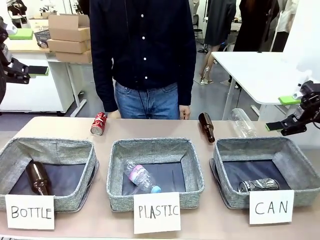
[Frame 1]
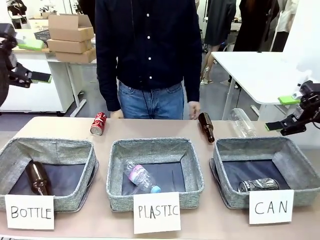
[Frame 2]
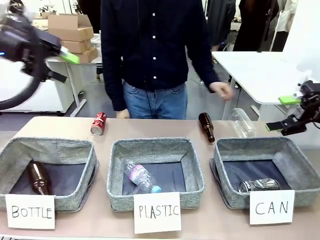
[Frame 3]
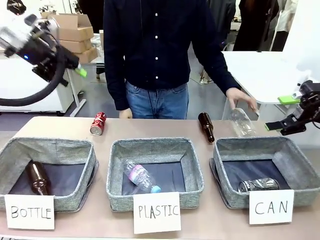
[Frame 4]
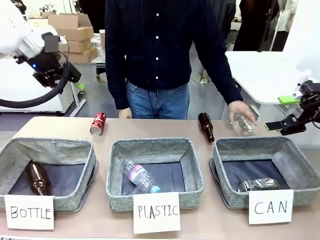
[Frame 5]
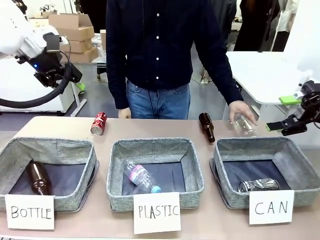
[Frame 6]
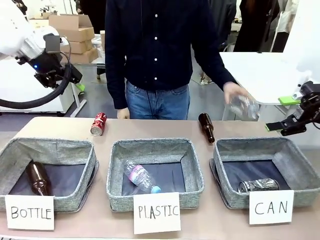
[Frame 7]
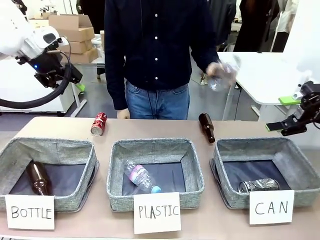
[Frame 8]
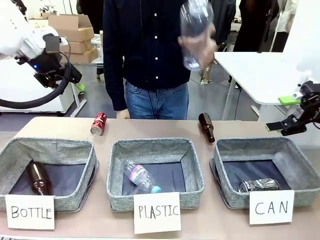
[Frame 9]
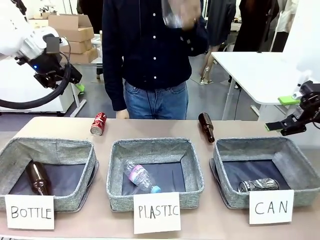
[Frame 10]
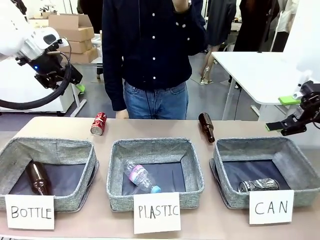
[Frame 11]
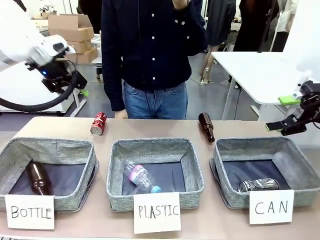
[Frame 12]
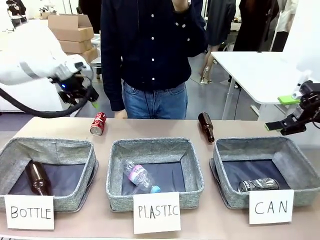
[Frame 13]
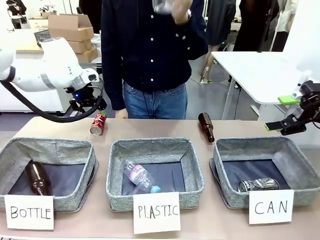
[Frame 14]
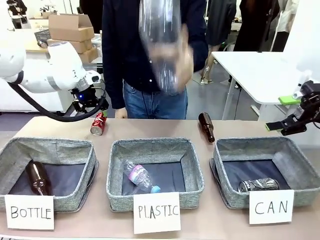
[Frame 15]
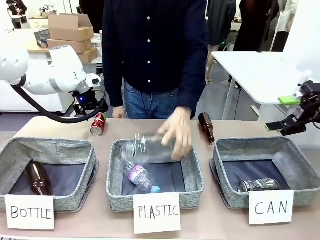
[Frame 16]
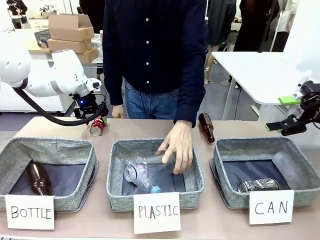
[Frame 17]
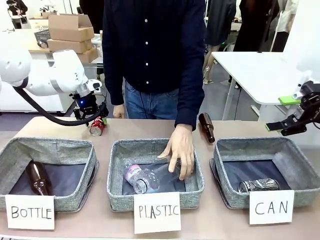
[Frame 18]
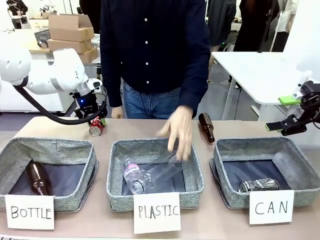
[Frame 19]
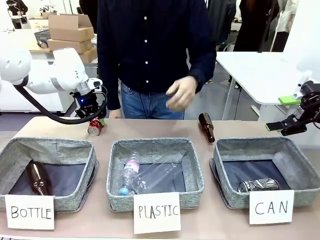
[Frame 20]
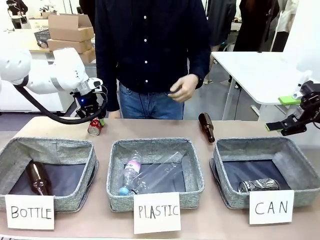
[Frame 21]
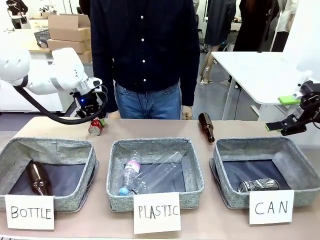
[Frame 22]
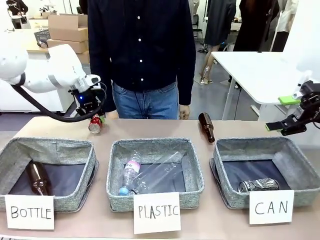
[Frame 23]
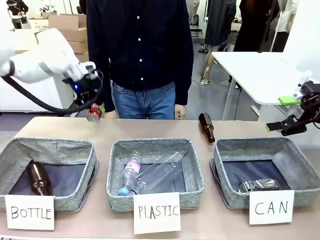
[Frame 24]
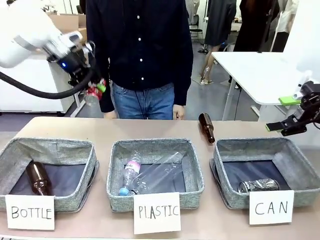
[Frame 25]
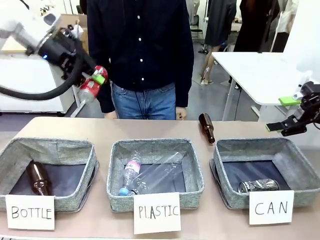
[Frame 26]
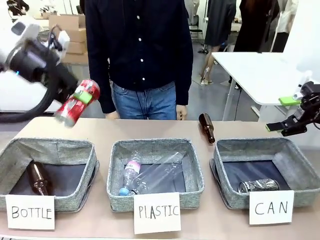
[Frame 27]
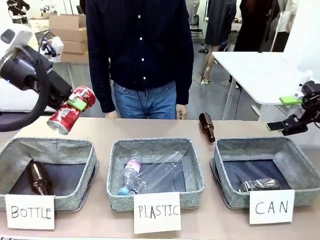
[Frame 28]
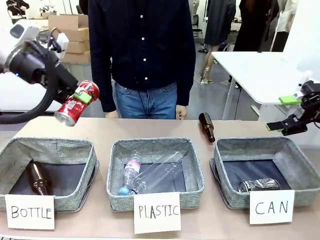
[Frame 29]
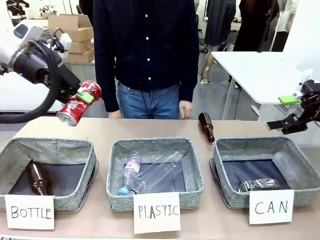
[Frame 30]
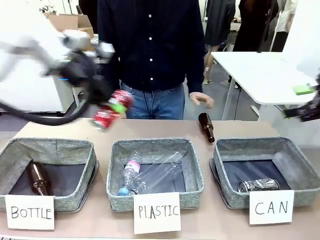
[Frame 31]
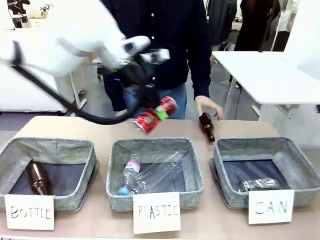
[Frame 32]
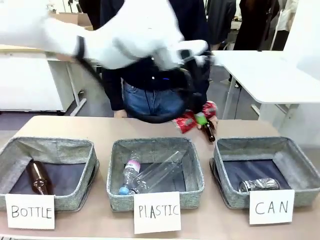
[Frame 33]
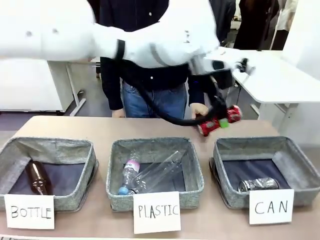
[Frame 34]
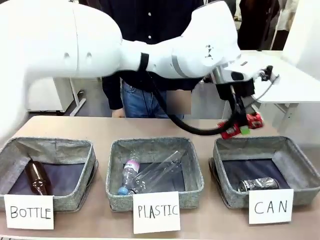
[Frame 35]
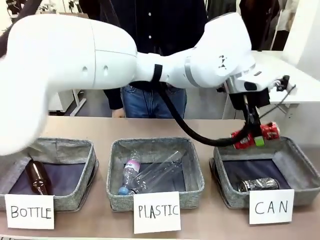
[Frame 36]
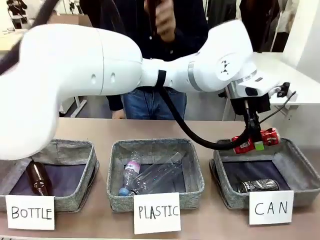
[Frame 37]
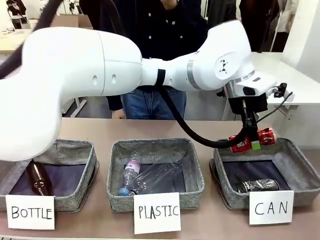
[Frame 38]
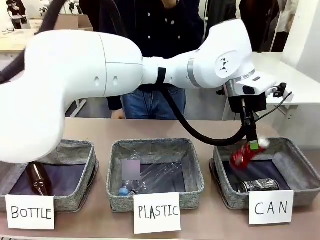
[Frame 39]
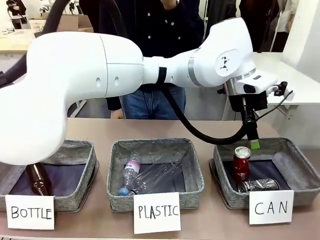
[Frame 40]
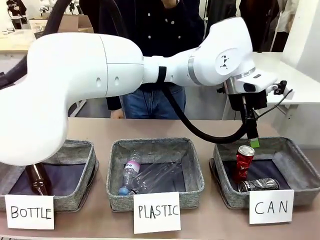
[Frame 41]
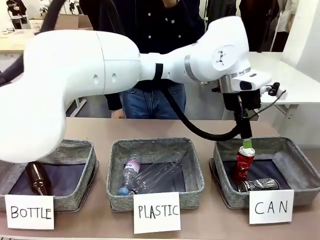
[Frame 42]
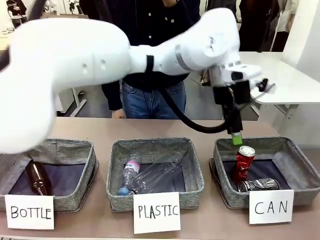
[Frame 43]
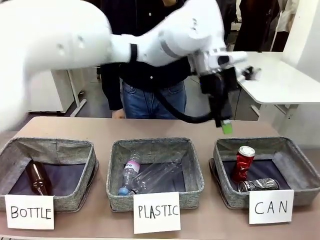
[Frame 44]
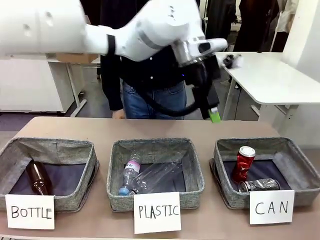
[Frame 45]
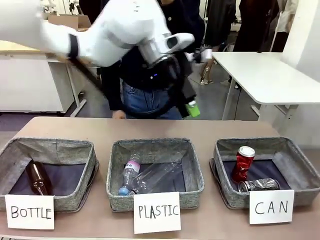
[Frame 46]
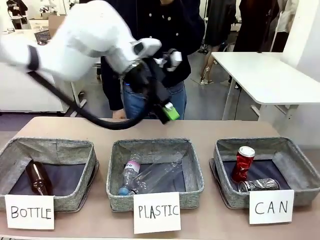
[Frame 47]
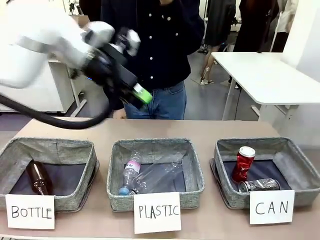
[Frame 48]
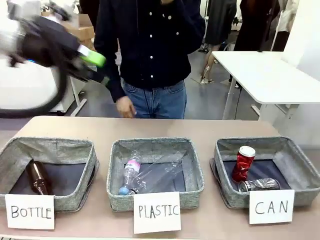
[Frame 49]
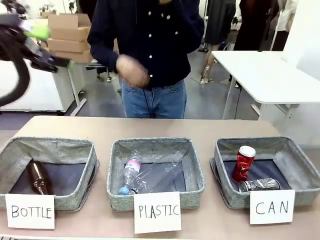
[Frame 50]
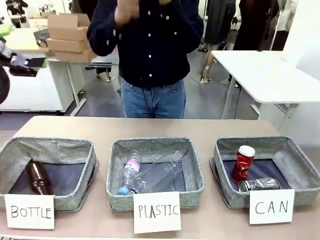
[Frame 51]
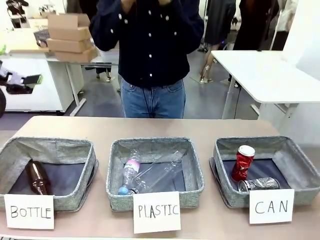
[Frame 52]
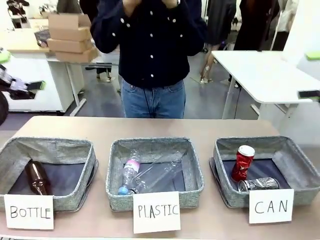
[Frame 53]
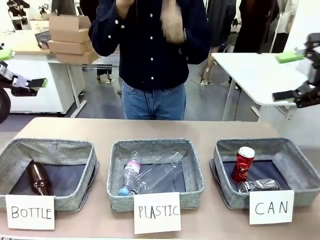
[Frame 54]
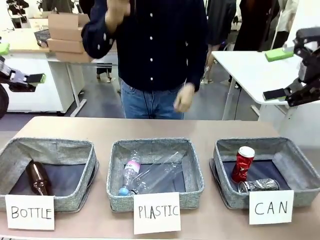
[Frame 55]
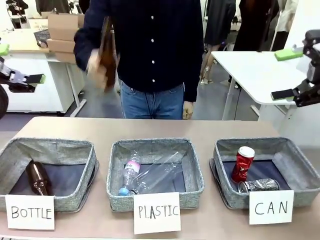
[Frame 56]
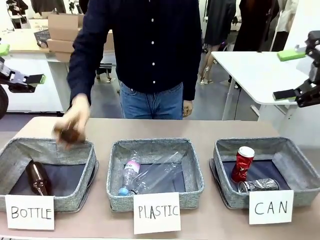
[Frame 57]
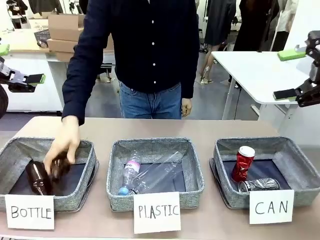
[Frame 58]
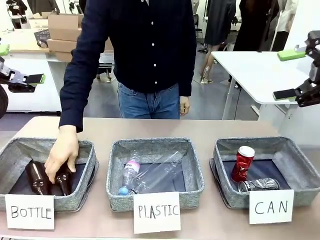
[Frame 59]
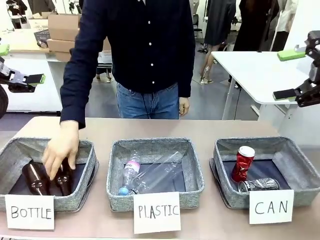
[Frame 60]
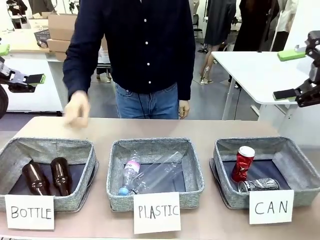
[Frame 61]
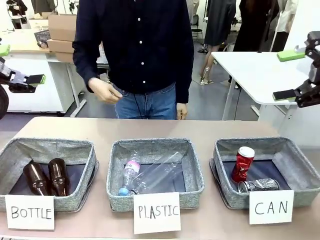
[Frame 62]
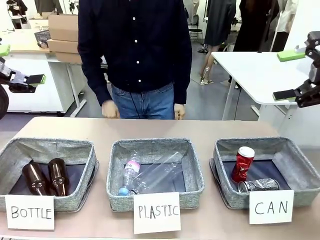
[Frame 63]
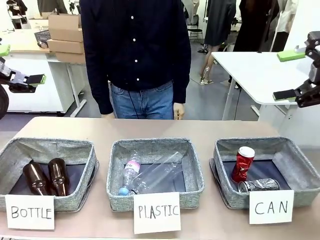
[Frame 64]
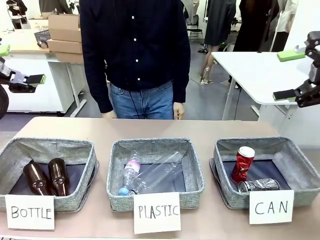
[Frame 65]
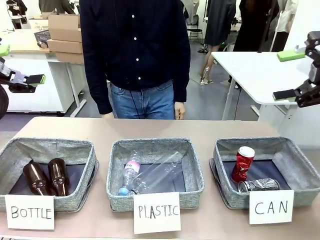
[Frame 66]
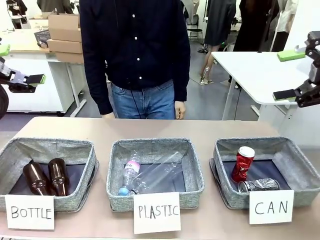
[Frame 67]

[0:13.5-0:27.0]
Task: Sort the can waste into the basket.
Robot: Pick up the can waste from the table and place it in the right Fabric basket.
